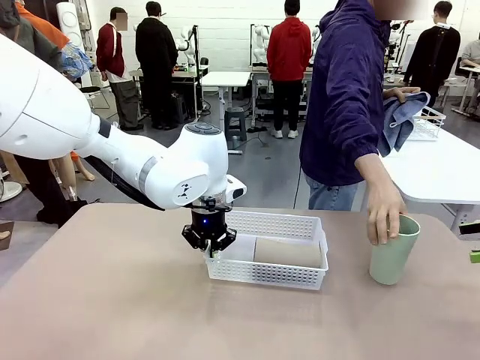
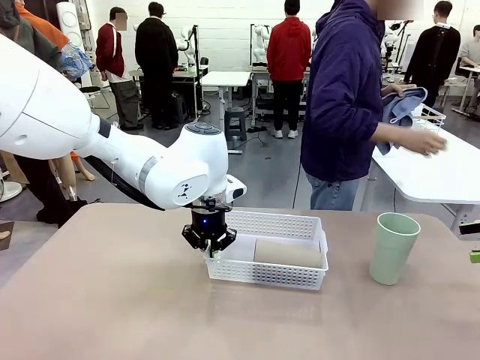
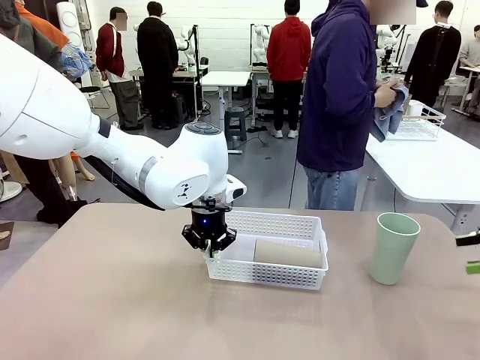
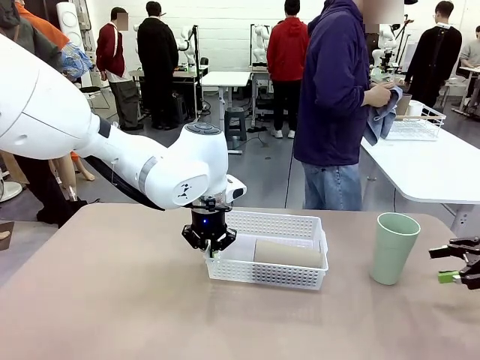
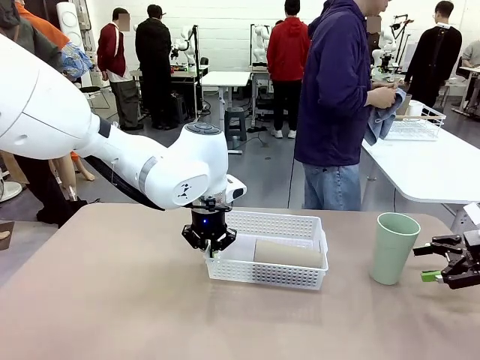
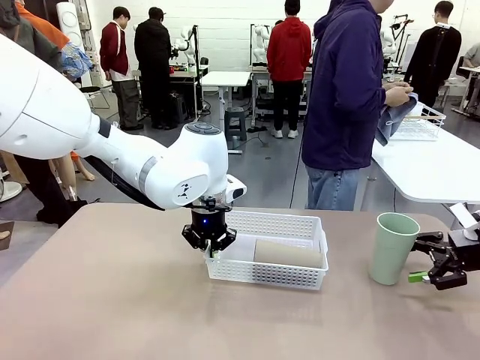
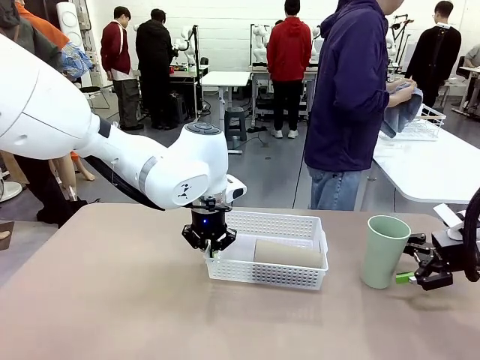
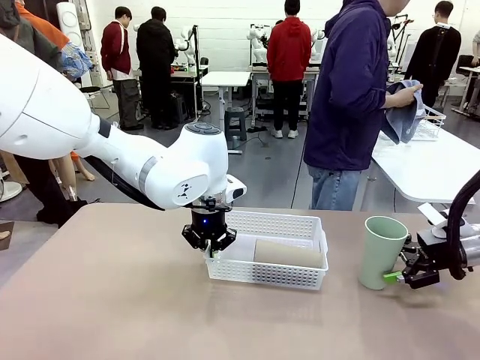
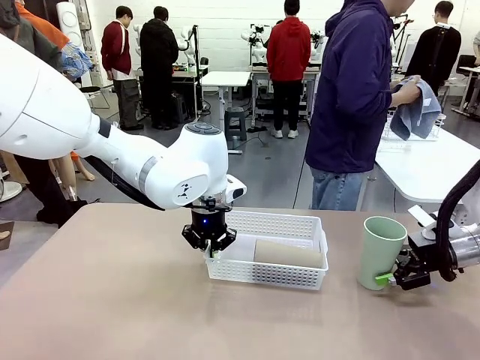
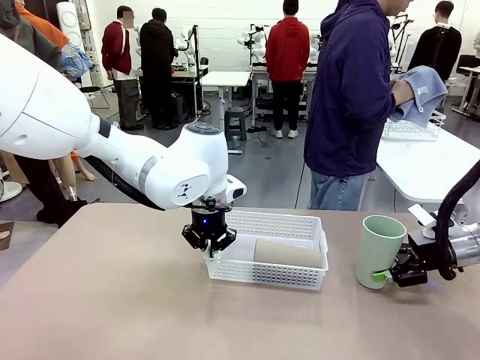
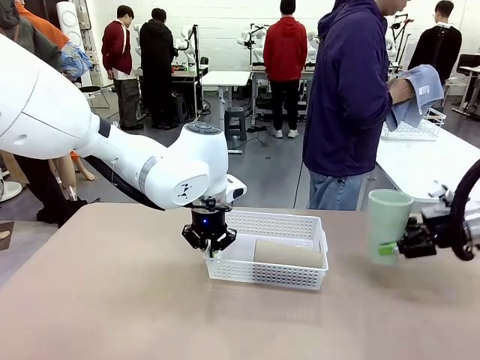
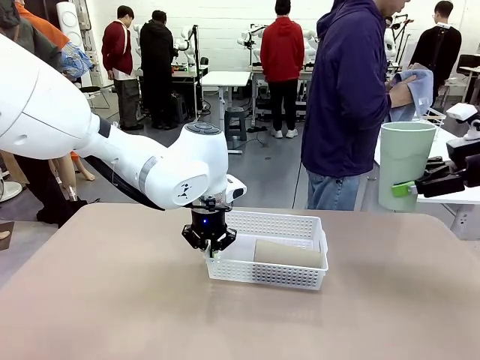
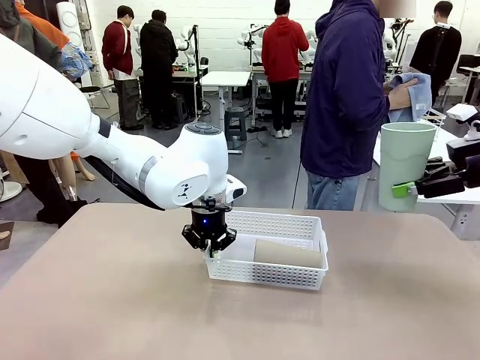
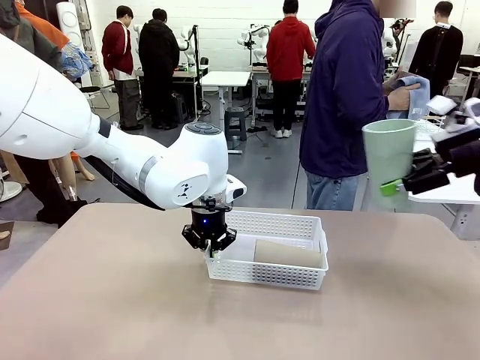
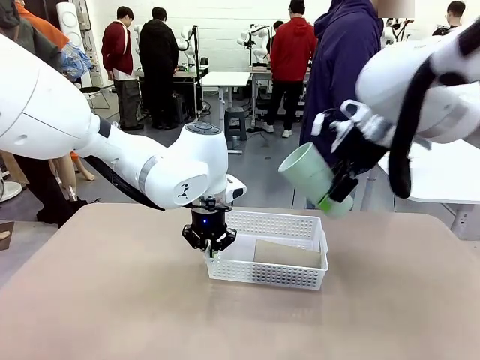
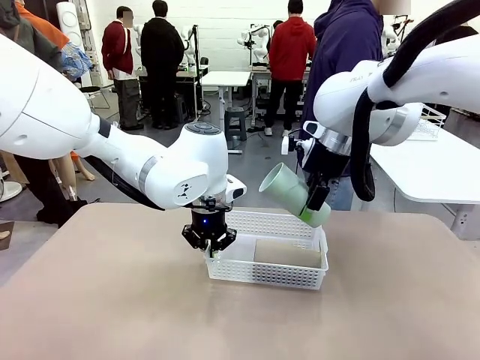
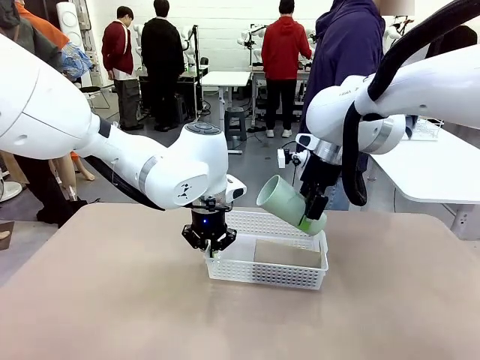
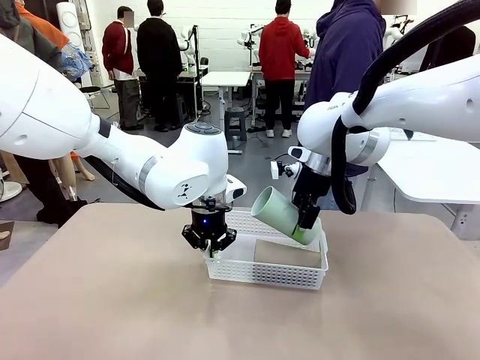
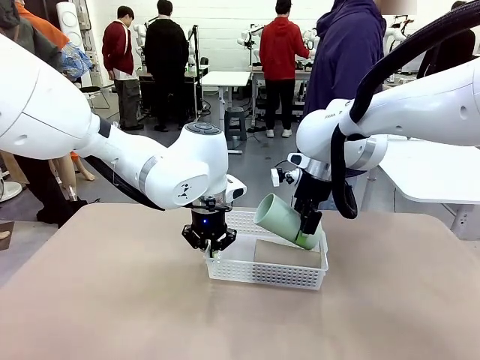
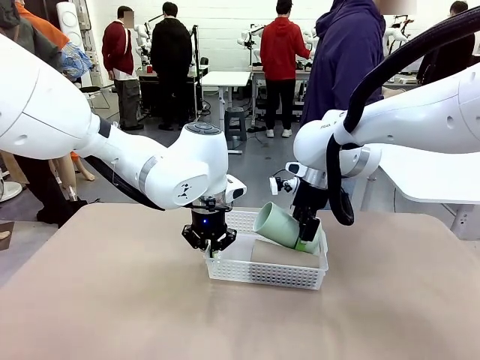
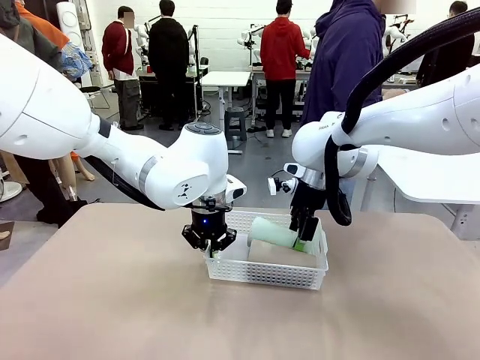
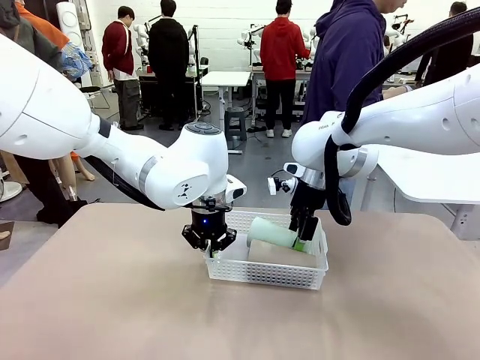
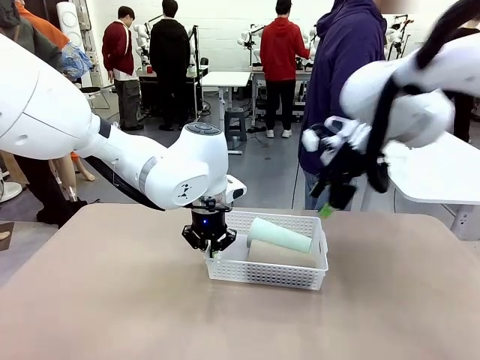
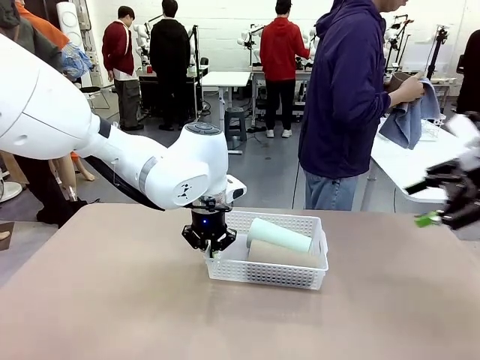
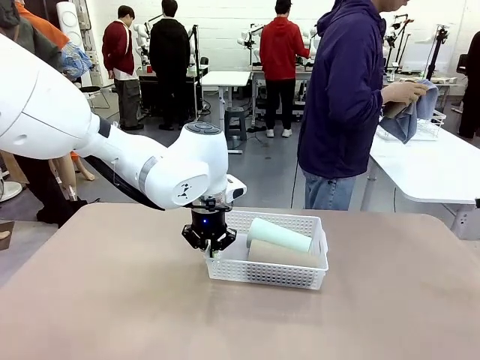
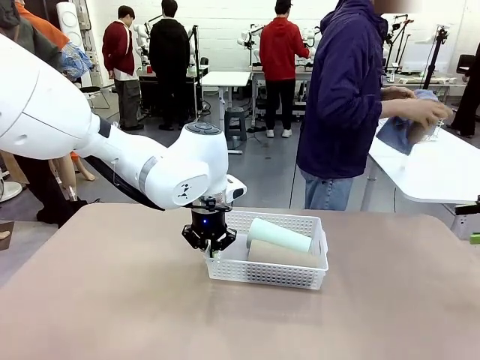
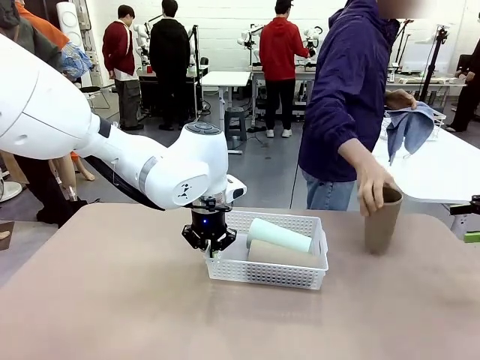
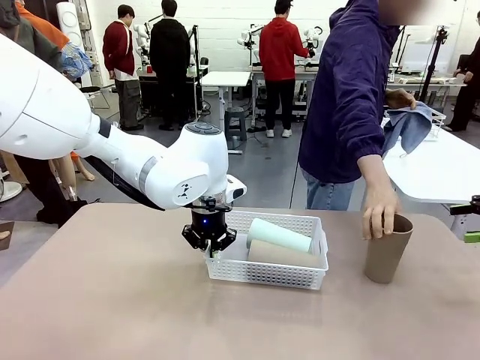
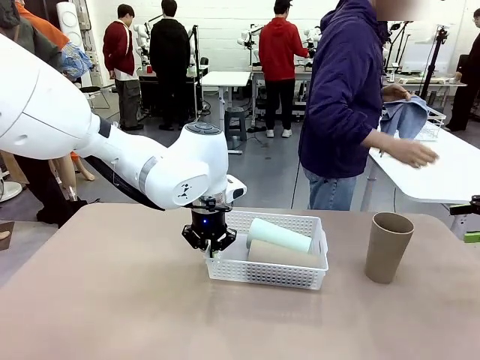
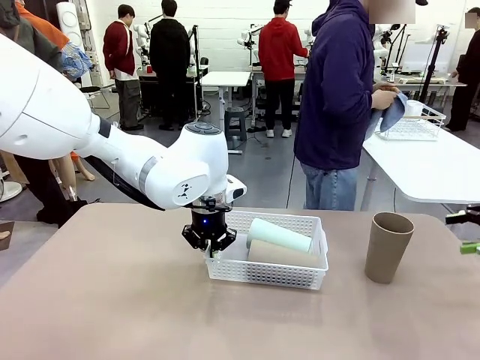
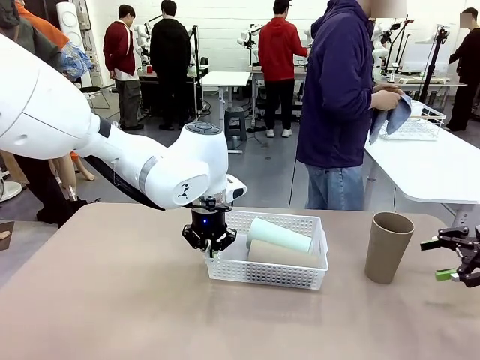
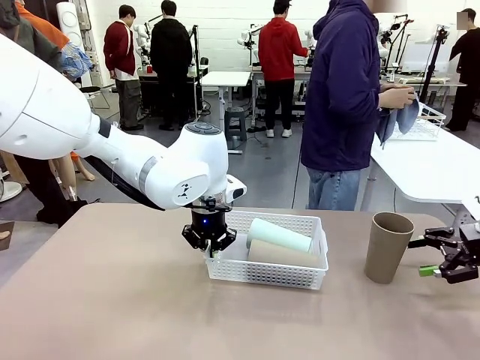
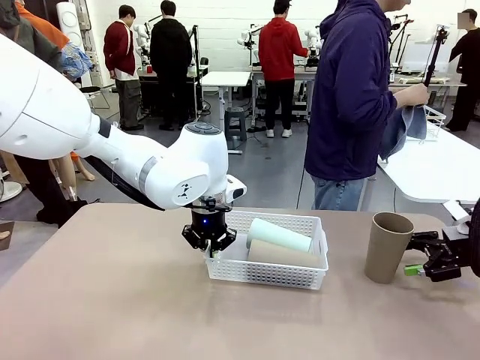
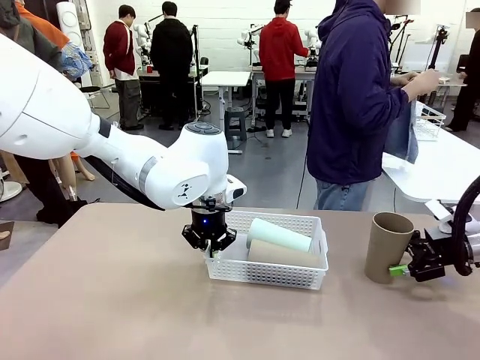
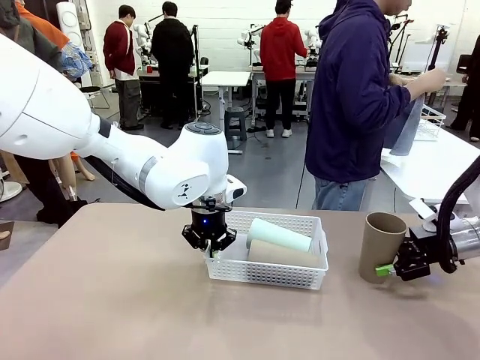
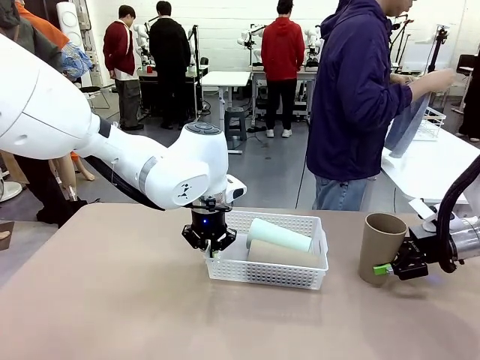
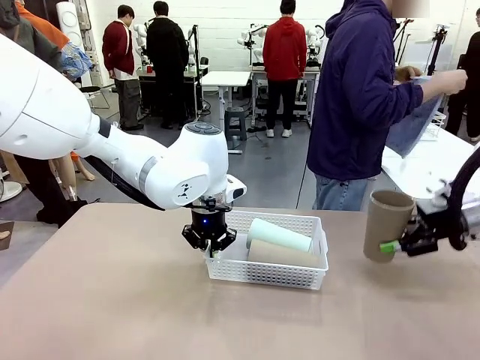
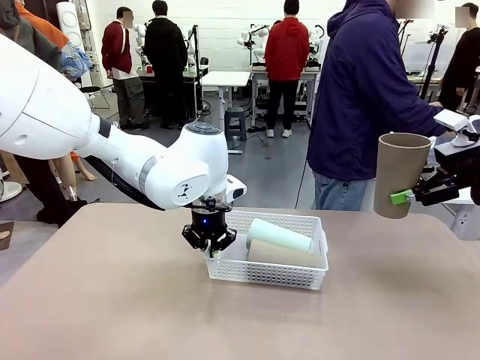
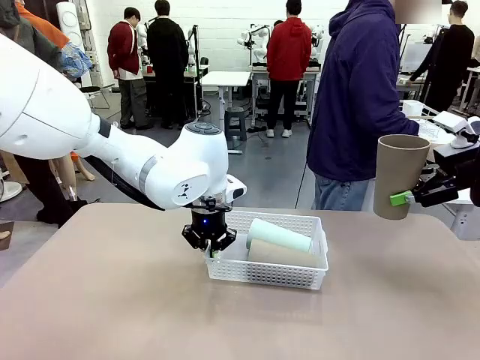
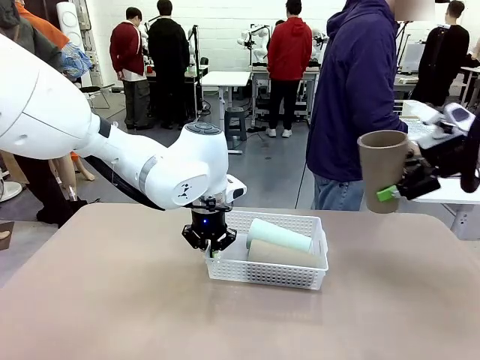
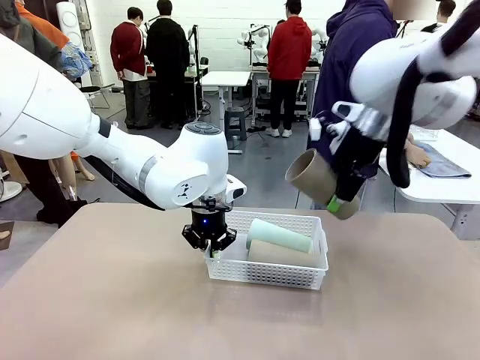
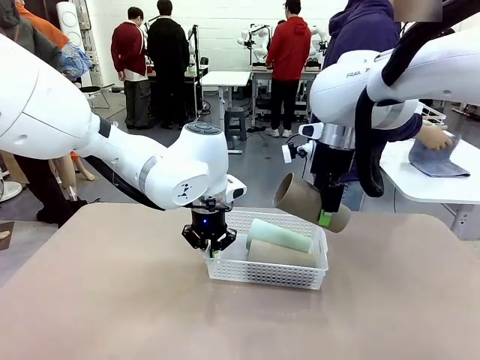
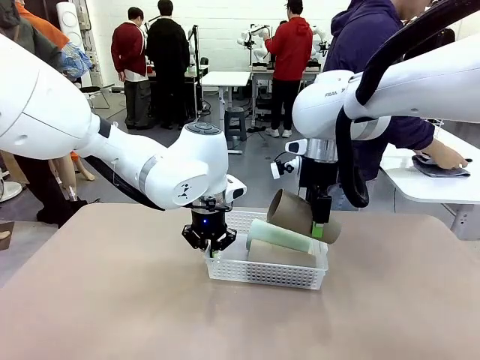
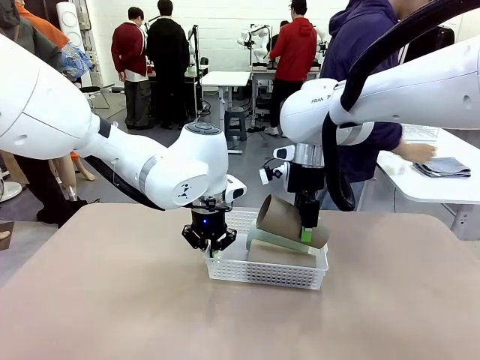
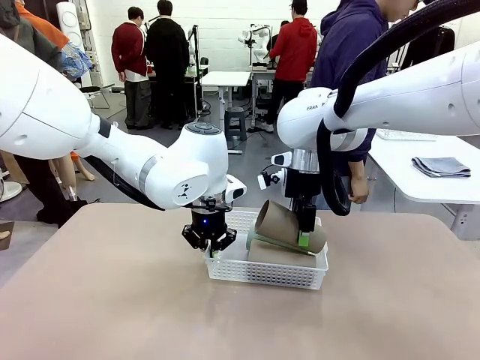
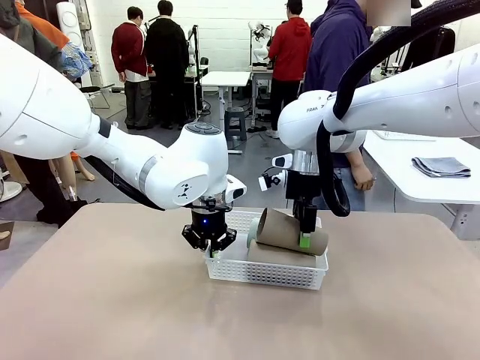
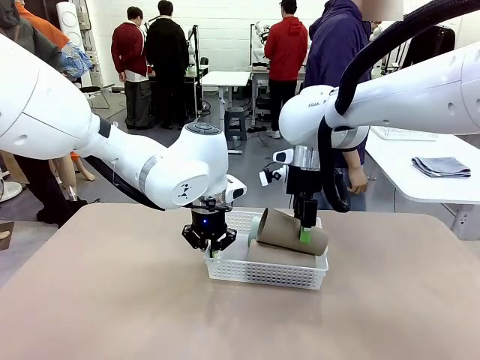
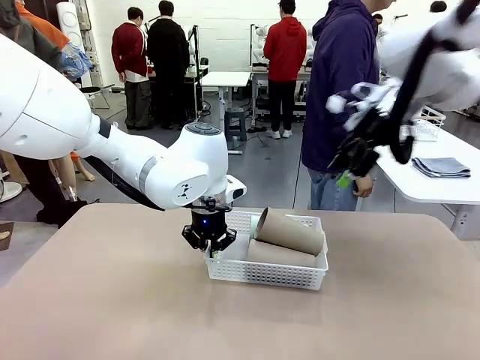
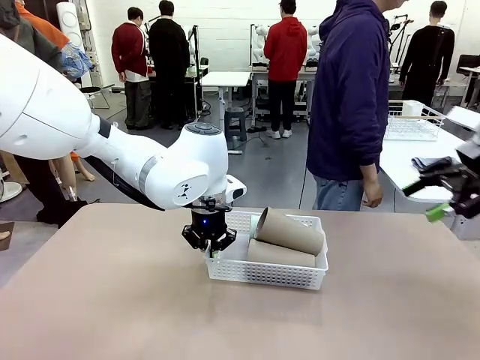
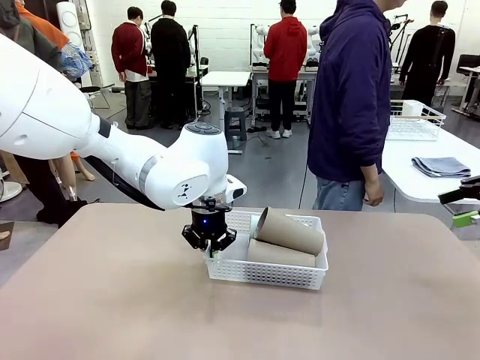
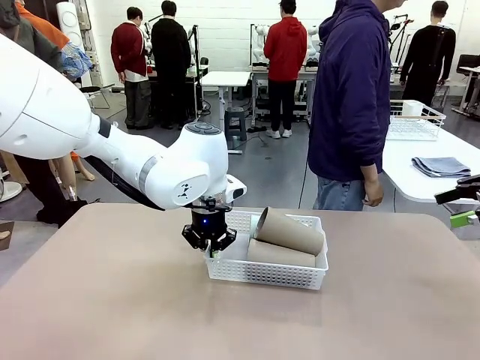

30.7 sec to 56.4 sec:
Task: Clean and organize the cups into the basket.
Robot: Pick up the Reusable plastic cup from the right side of the table and stack it inside the Organizing basket in the center of the table.
